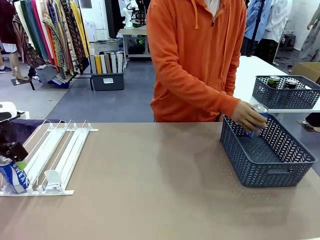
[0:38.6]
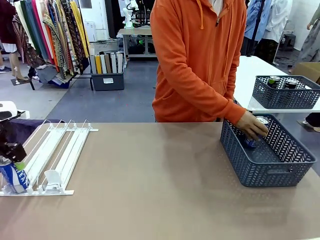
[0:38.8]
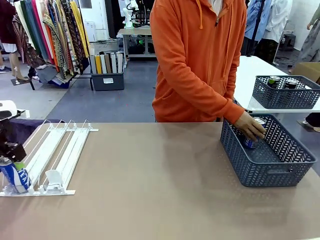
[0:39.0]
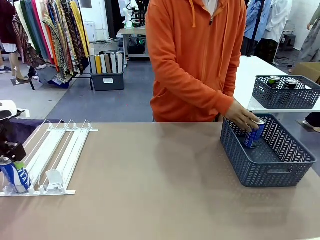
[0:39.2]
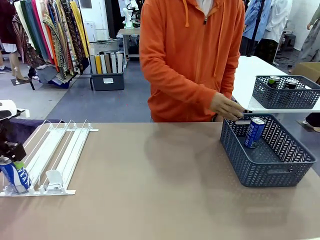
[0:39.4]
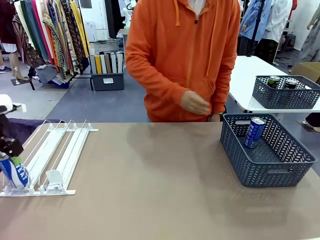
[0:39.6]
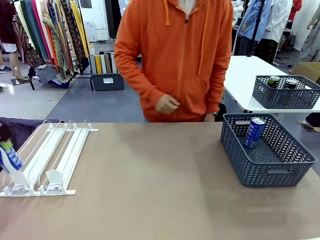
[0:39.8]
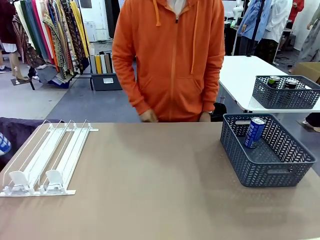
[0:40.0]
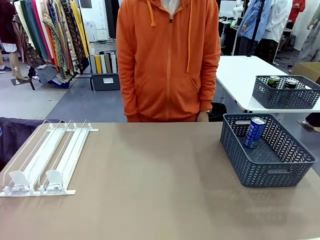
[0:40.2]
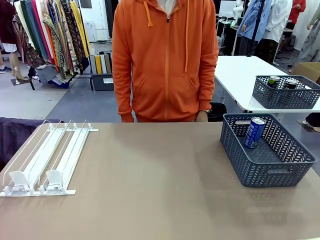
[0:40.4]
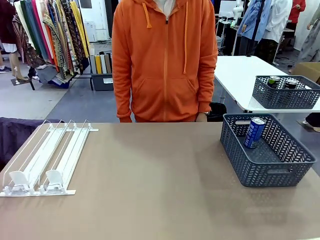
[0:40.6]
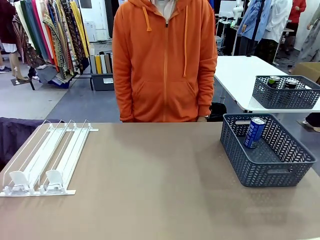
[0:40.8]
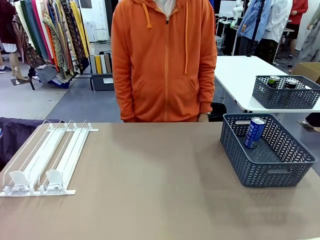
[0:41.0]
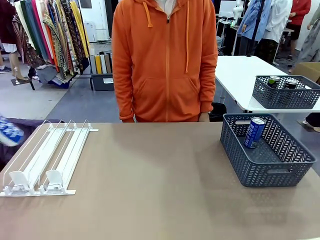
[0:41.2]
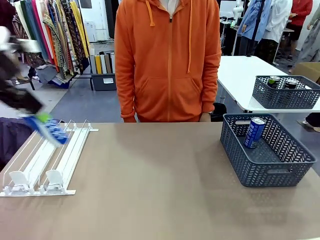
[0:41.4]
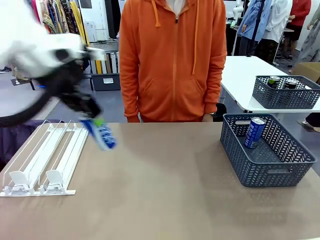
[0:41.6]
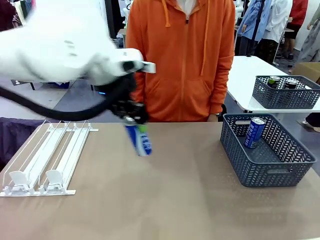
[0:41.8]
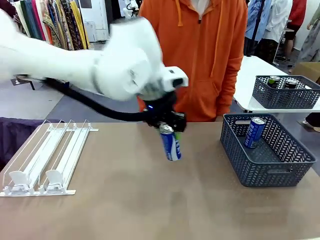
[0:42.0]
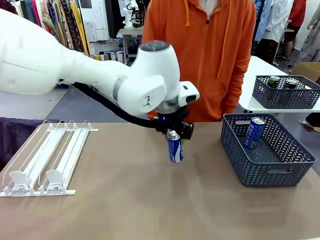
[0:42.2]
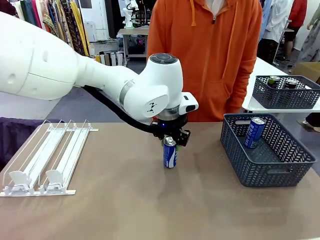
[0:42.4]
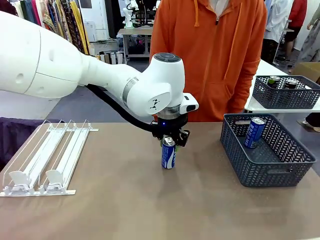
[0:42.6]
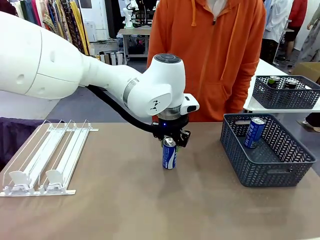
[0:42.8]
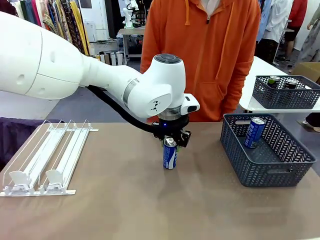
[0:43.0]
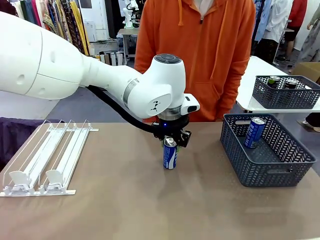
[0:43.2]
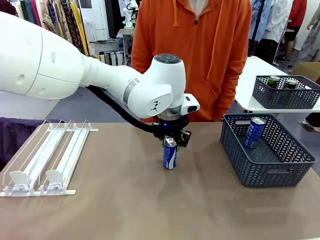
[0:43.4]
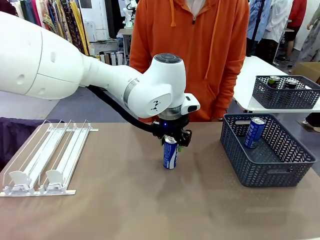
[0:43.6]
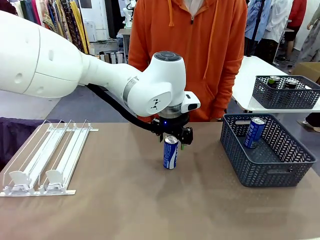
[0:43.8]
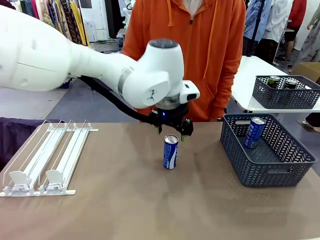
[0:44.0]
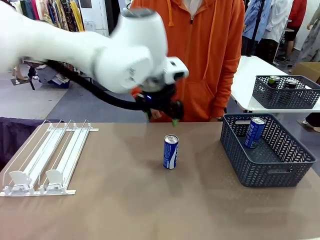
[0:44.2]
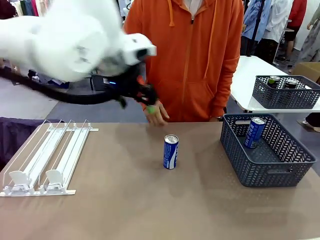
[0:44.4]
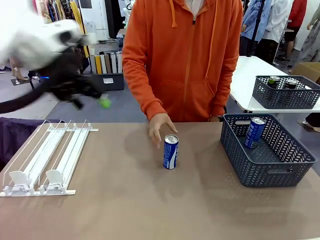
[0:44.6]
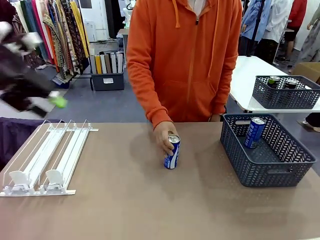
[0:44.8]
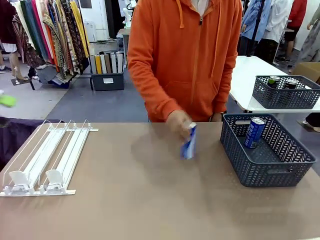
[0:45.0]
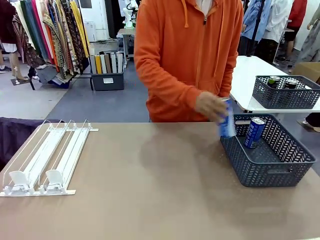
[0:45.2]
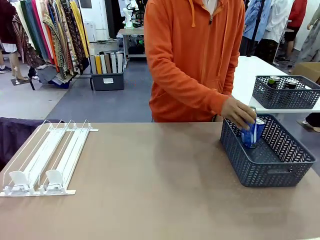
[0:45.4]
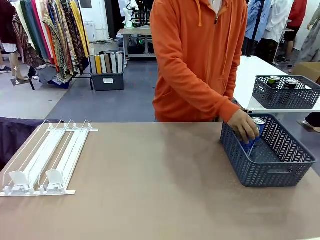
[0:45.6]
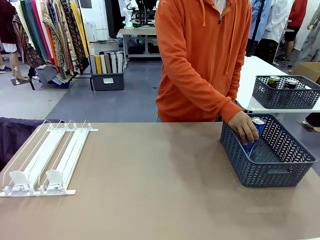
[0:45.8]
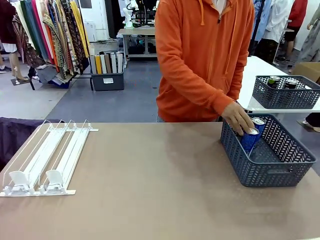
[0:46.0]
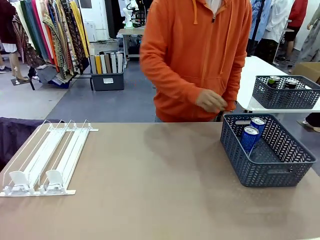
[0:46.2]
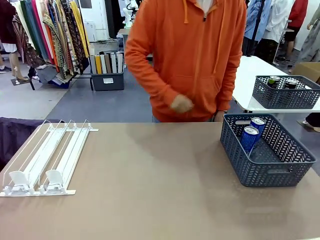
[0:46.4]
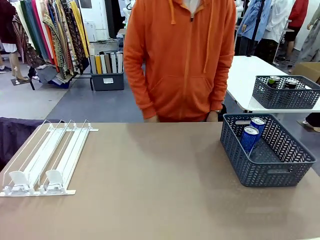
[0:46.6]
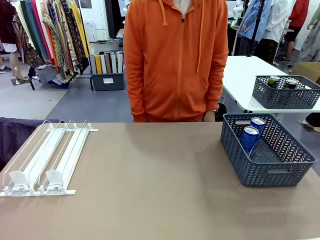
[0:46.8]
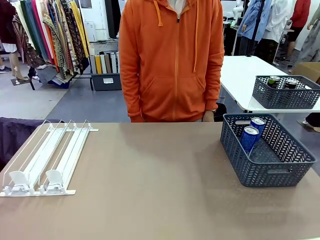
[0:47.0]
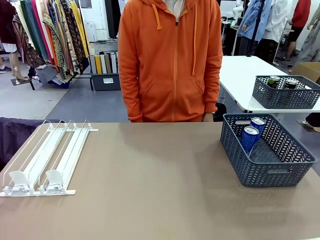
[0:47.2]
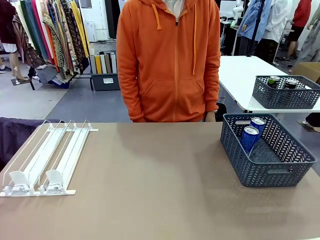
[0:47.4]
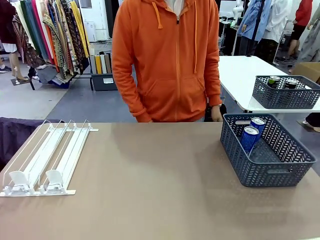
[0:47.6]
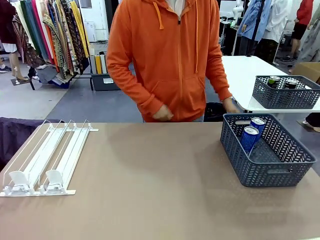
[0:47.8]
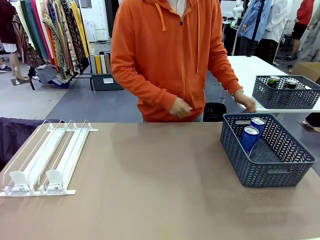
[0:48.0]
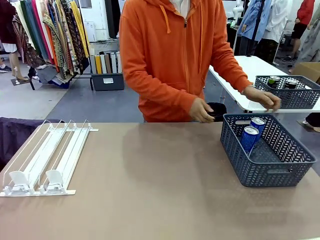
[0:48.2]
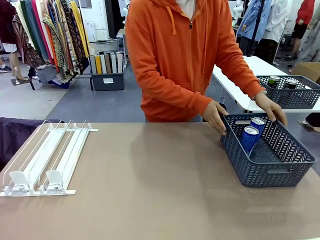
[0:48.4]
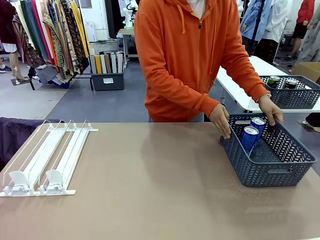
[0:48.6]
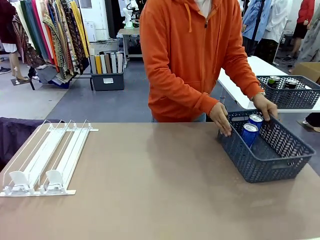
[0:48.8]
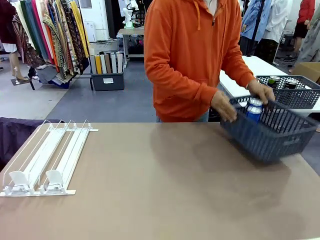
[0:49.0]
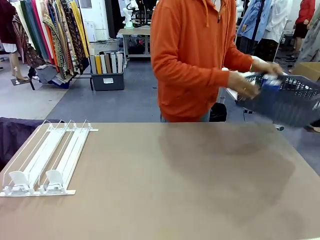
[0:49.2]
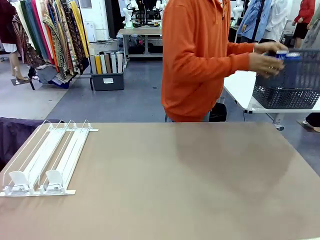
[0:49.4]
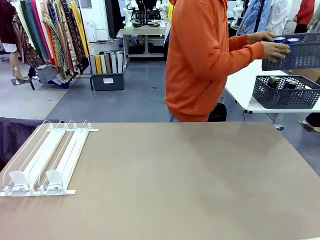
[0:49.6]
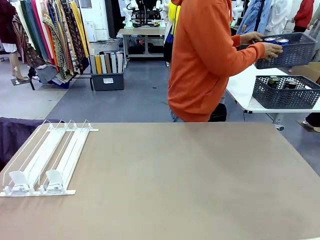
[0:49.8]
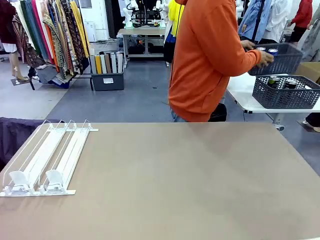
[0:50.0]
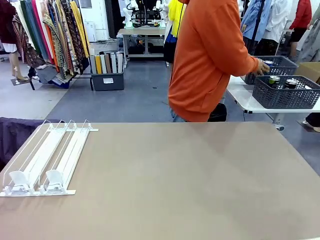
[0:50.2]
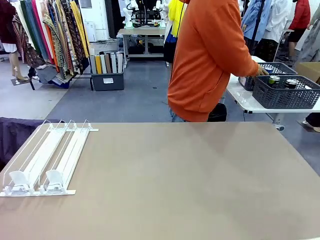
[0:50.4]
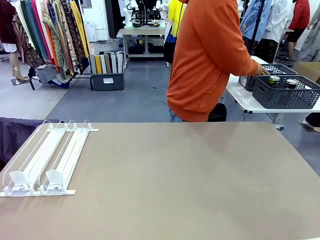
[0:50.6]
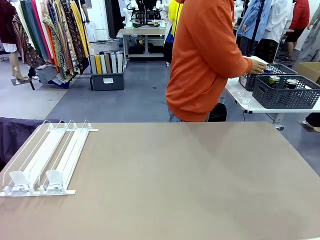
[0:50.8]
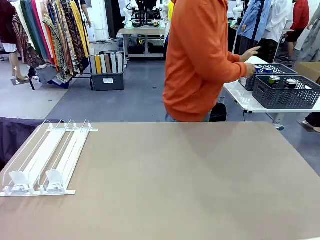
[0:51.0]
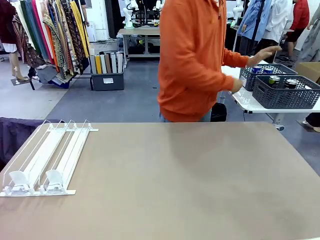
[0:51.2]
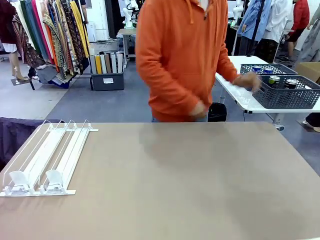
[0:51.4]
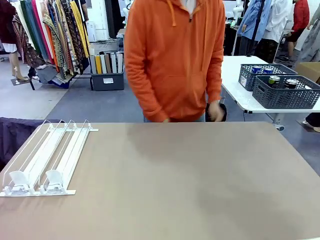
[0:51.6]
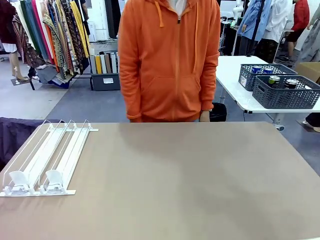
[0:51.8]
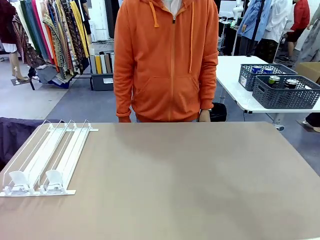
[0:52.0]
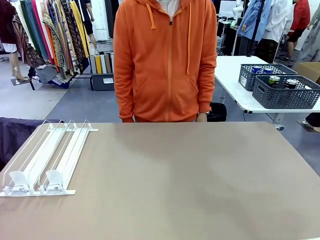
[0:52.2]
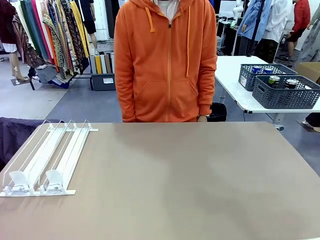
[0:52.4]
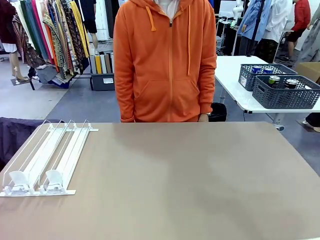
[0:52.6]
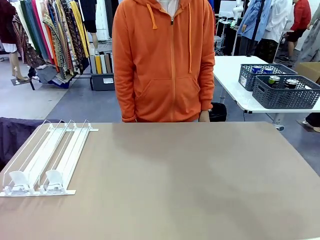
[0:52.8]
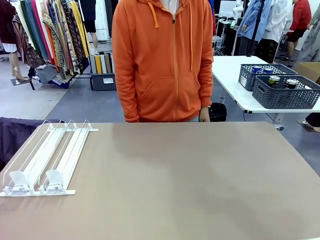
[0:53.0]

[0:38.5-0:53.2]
Task: Retrieve and store the cans from the dispenser.
Robot: Pick up one can from the Automatic Can Dispenser and place it in the middle of the table.
Person: Pick up one sports drink can from the middle of the robot table and place it in the basket. Pick up the basket and place it in the middle of the human table.
